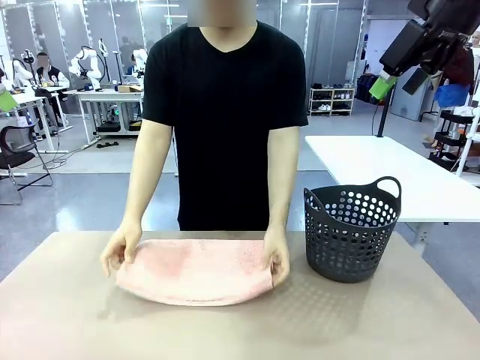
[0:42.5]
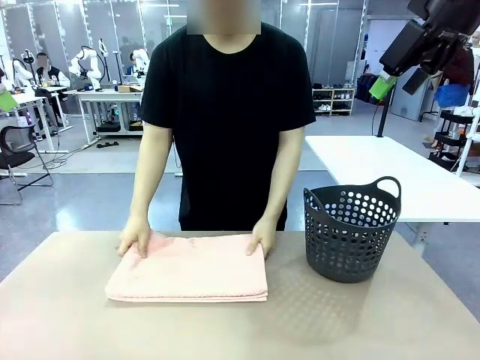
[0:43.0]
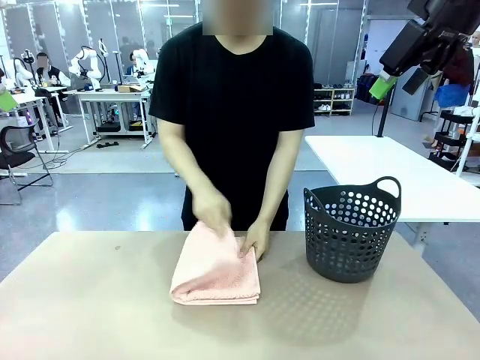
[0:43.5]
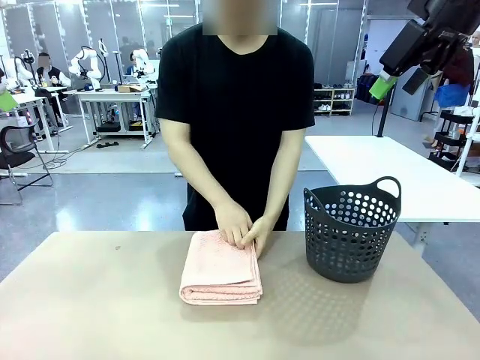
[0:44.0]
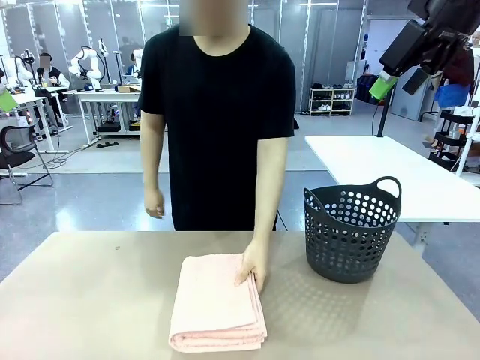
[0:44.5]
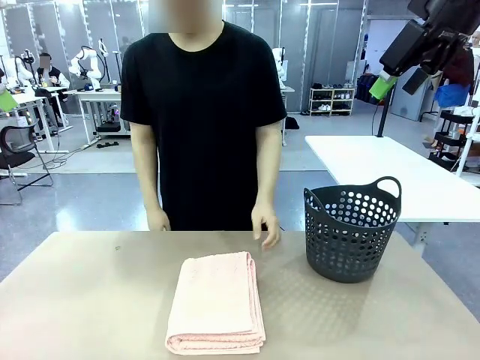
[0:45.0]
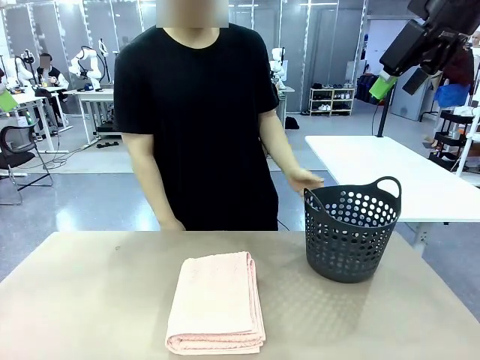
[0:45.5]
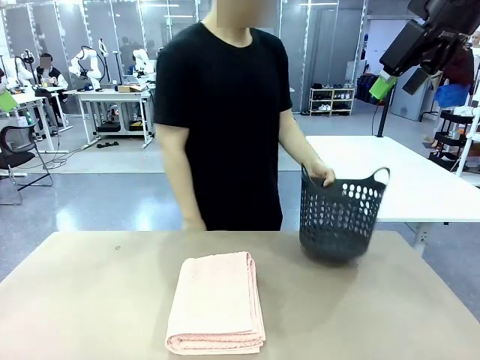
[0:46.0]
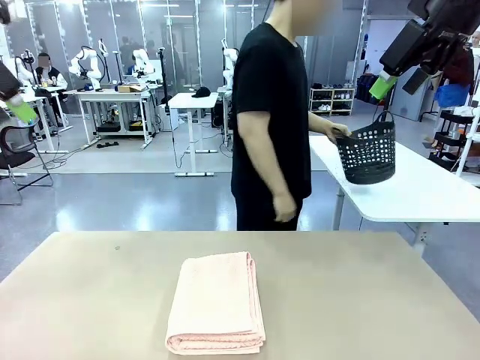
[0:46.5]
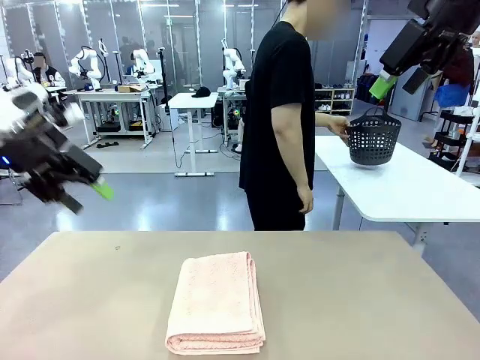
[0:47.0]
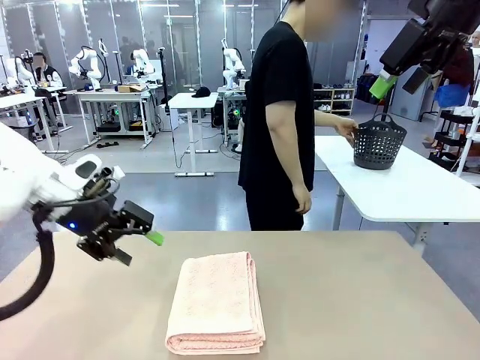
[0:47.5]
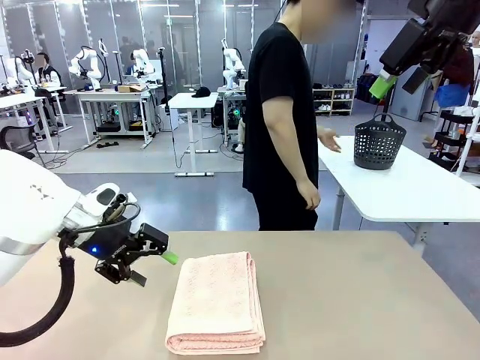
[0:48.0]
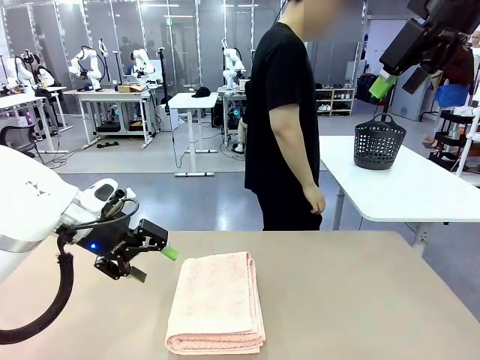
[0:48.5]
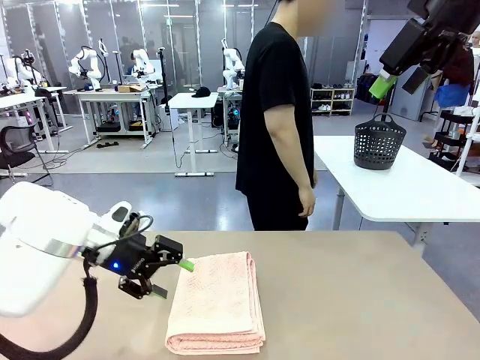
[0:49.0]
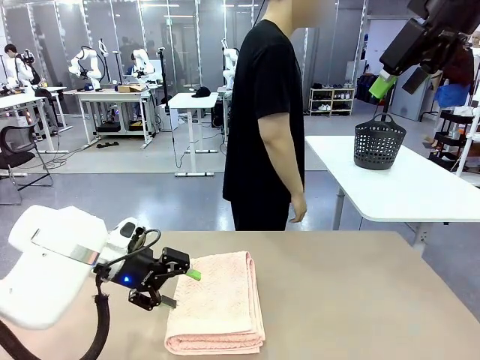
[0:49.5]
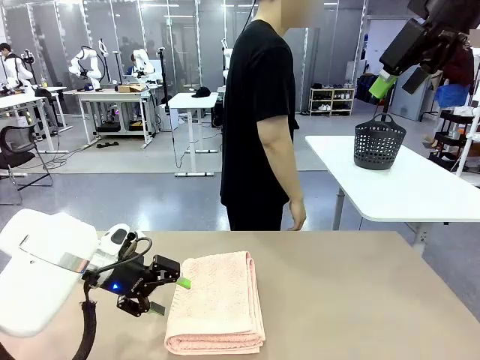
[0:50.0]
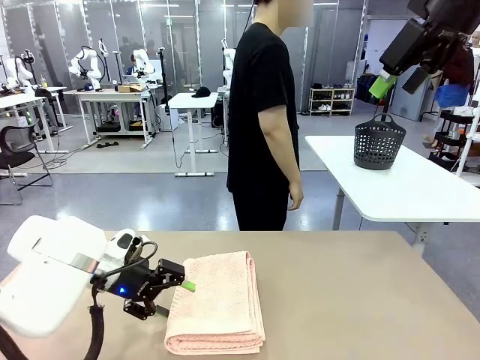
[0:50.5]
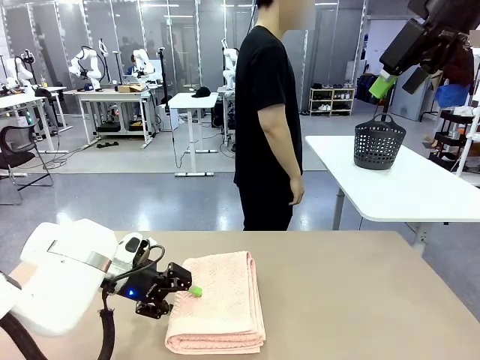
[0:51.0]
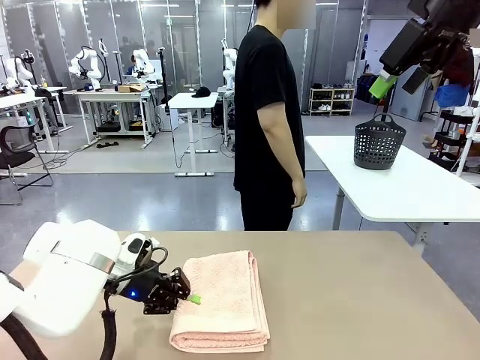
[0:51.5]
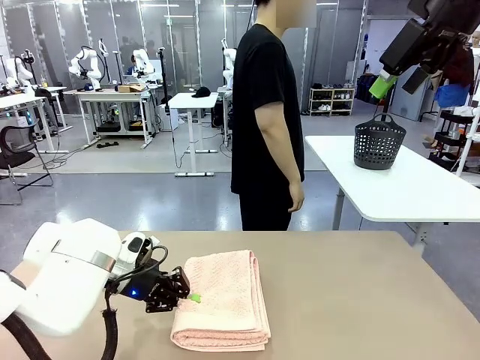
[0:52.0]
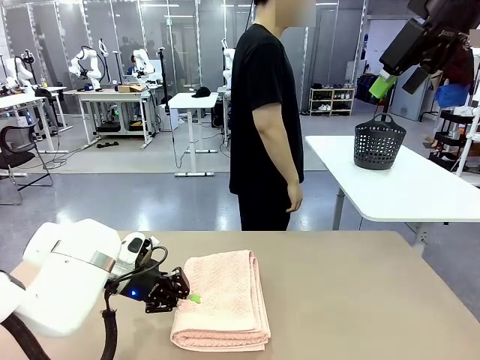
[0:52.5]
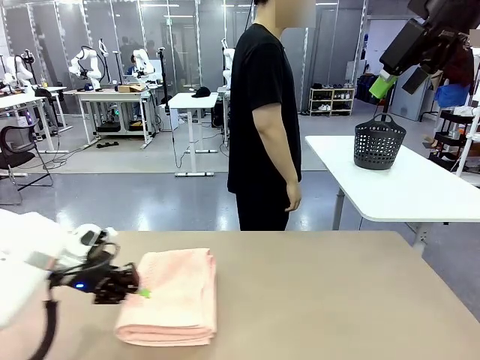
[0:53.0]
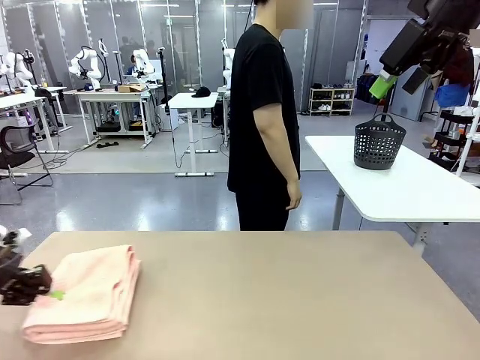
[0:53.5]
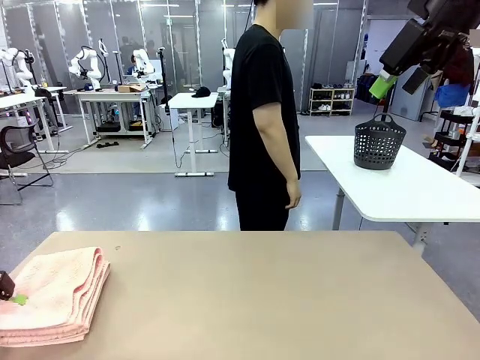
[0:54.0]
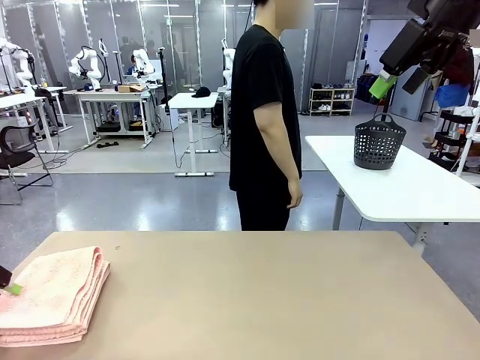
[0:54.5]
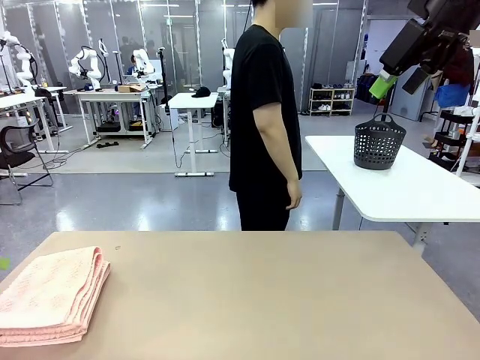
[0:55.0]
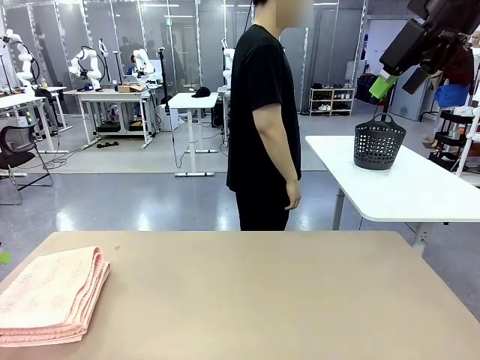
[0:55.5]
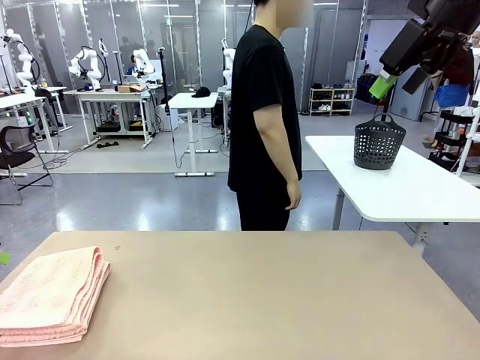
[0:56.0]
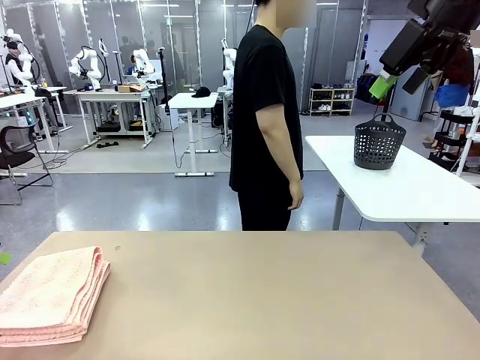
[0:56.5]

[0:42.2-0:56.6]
Task: Fold the towel.
Robot: Pick up the 100 cm Hotel Towel and place it on the left side of the table.
Person: Pick up the laundry basket and place it at the center of the human table.

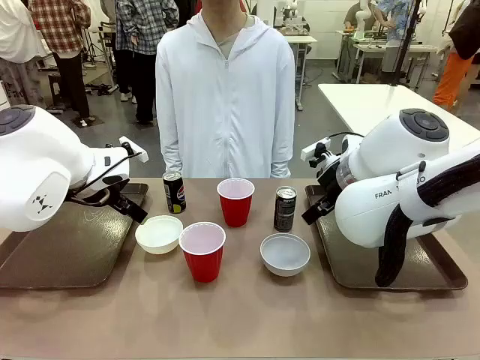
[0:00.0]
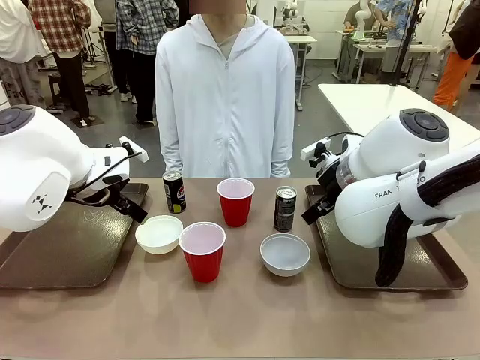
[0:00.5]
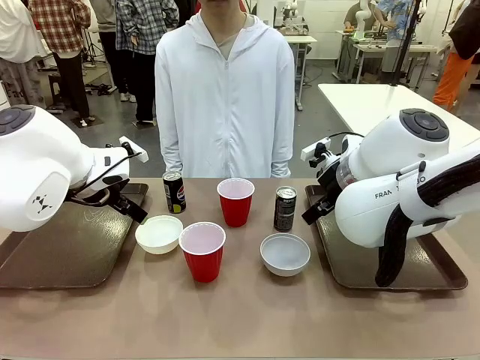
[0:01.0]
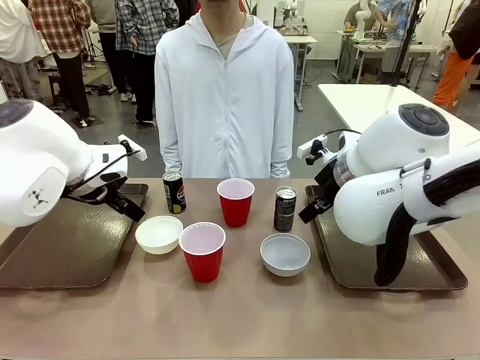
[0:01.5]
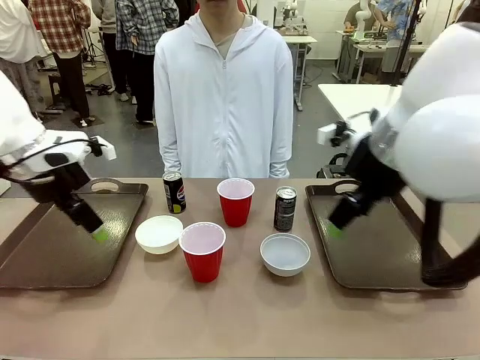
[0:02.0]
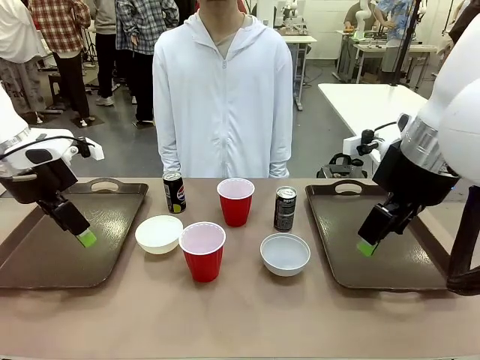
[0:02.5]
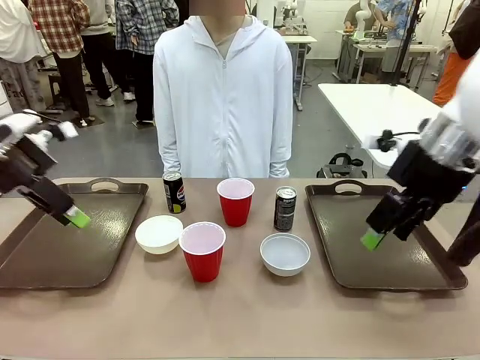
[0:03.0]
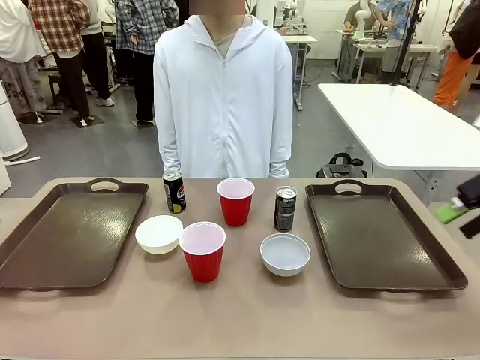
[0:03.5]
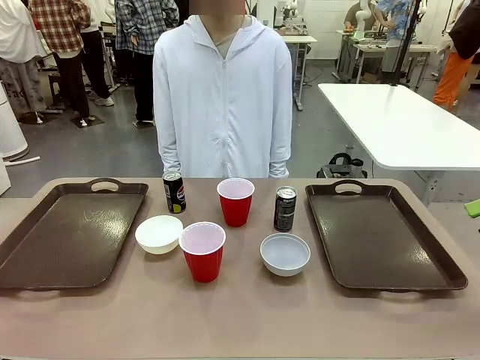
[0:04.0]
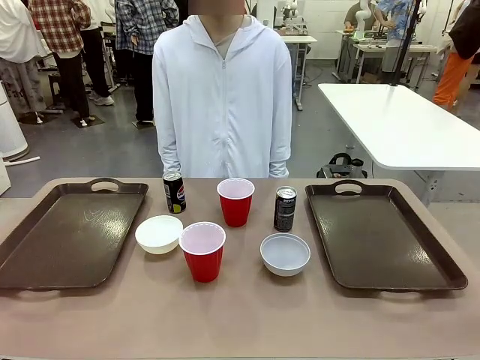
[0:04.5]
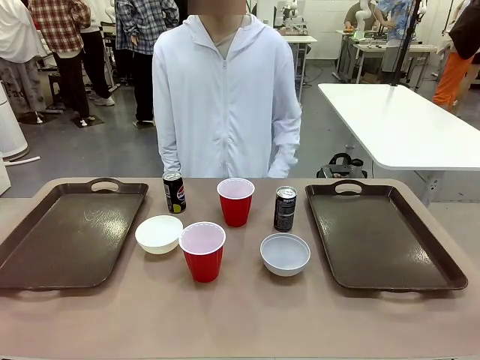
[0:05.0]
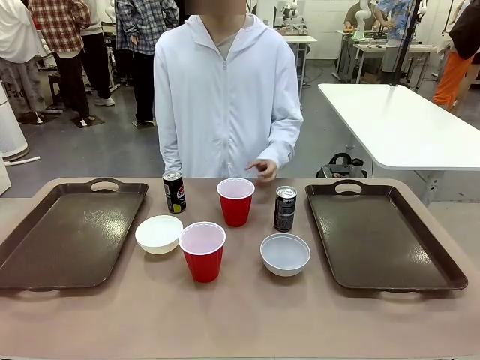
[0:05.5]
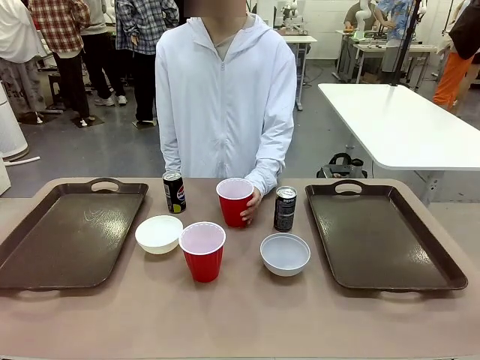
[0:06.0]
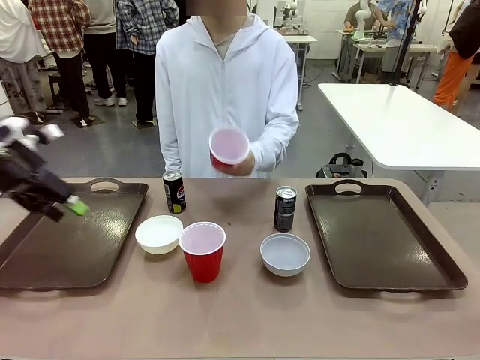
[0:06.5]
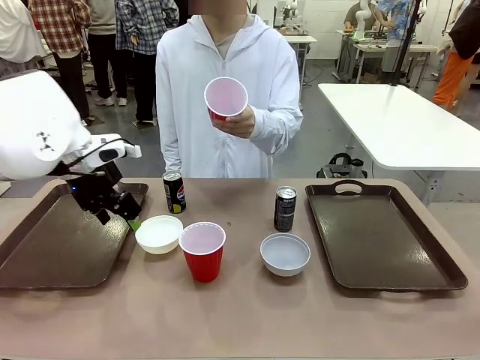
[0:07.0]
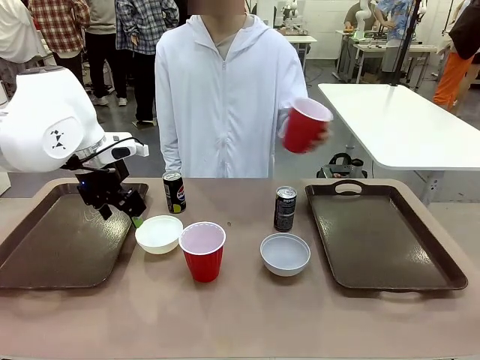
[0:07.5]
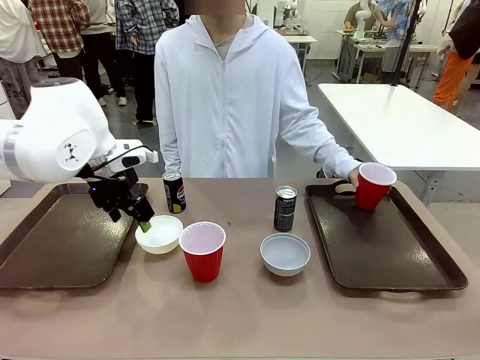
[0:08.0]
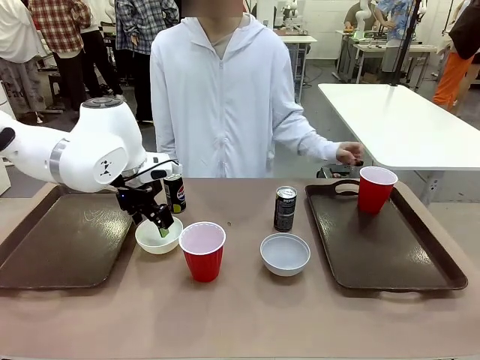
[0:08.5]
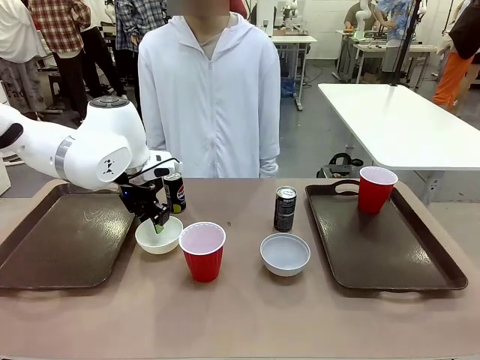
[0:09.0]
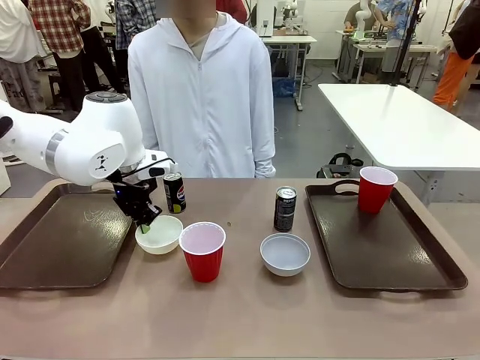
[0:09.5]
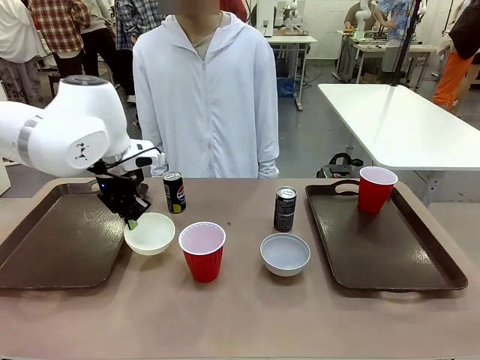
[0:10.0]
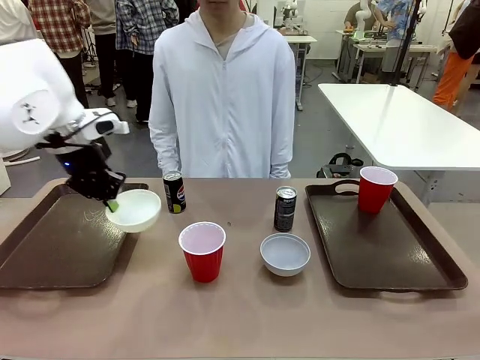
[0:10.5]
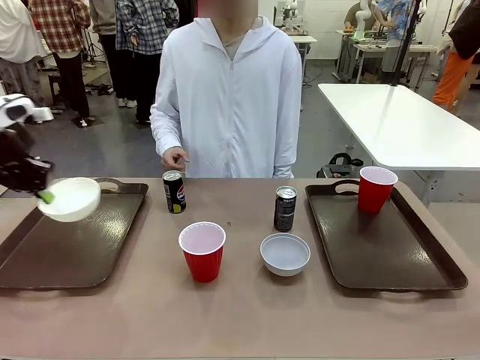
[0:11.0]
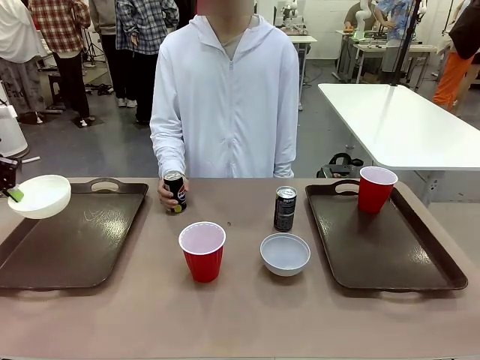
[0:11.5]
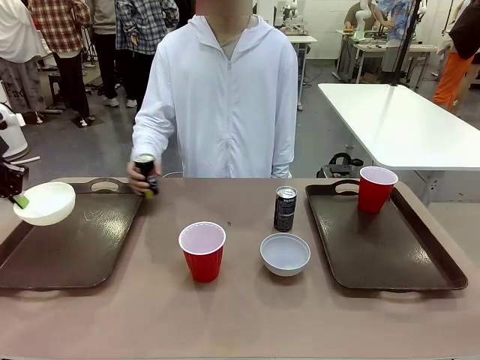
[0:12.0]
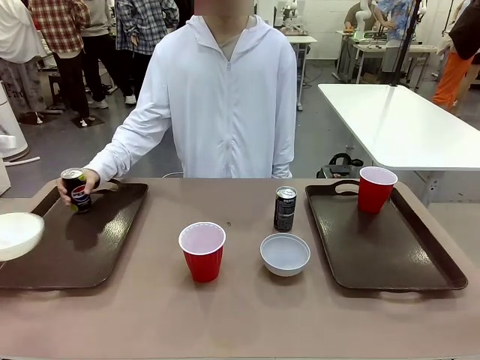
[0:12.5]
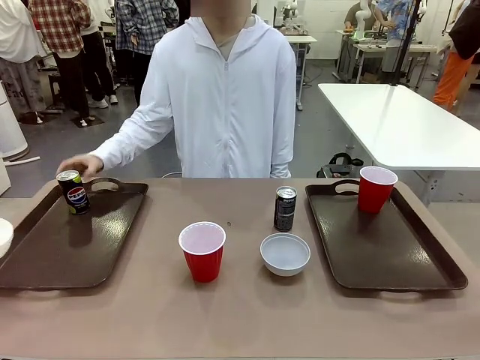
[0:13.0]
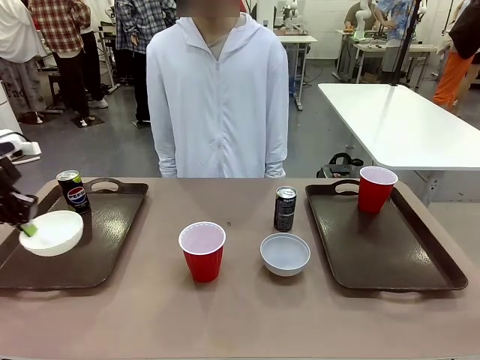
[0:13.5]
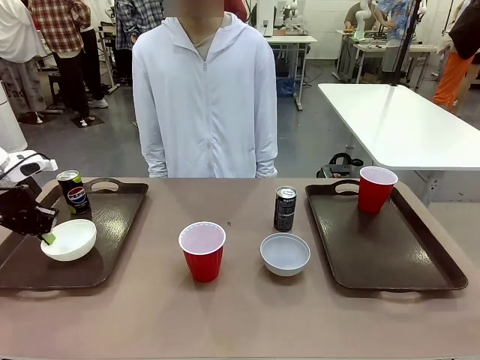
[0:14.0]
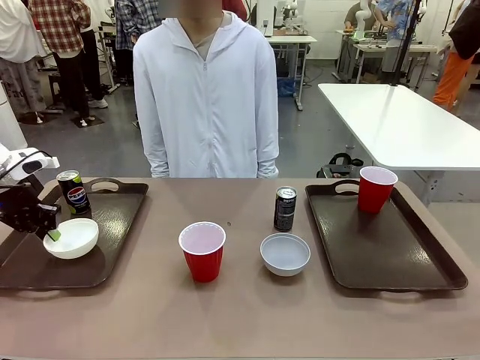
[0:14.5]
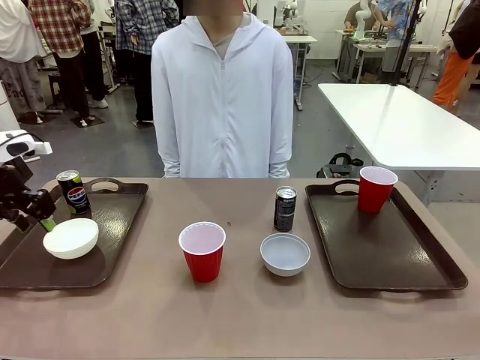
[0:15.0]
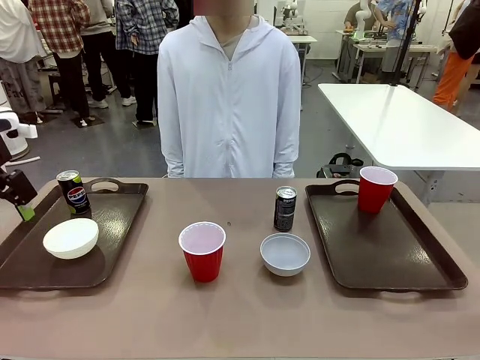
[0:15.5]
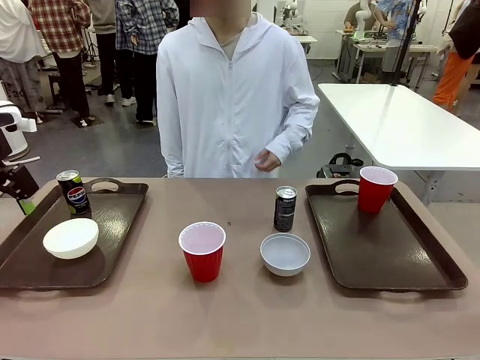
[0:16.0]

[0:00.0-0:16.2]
Task: Prepare tableware on both trays.
Robot: Pick up a Picnic Bowl from the table and place it on a Handle tray.
Person: Pick up a can or cup and place it on the tray.
